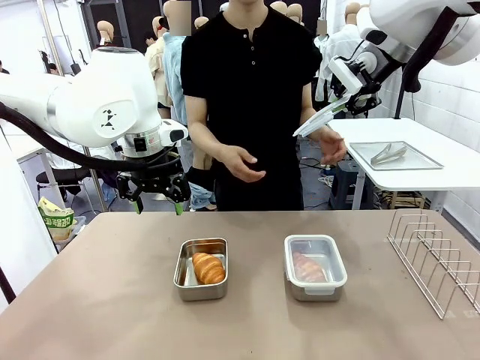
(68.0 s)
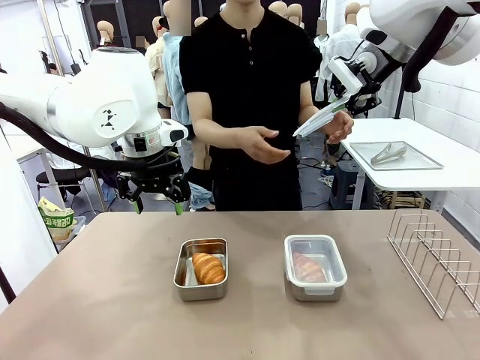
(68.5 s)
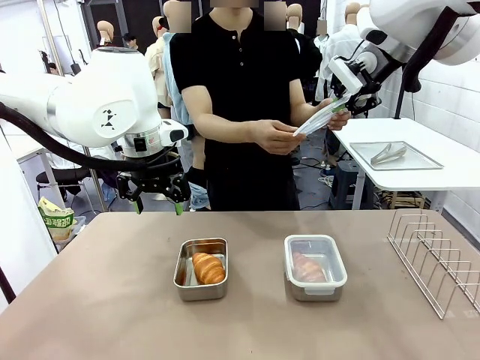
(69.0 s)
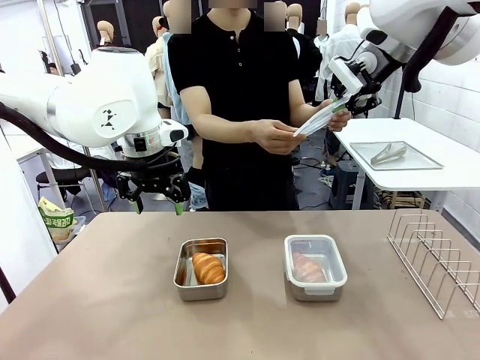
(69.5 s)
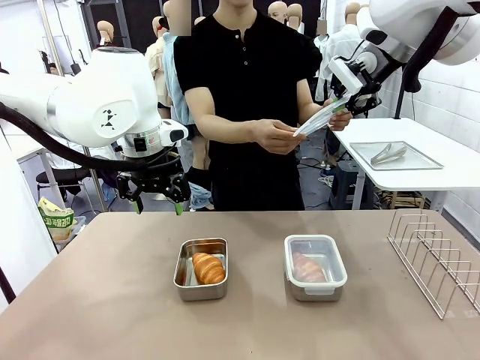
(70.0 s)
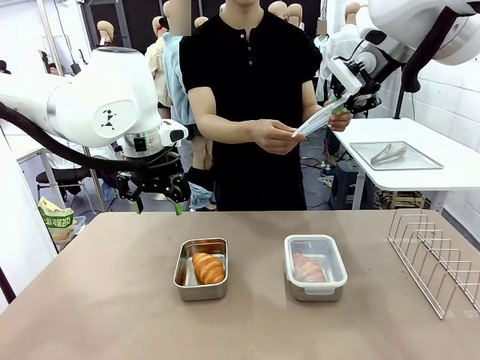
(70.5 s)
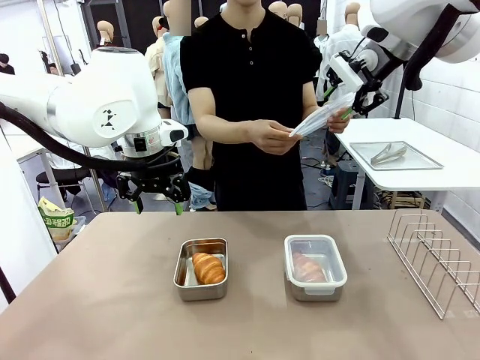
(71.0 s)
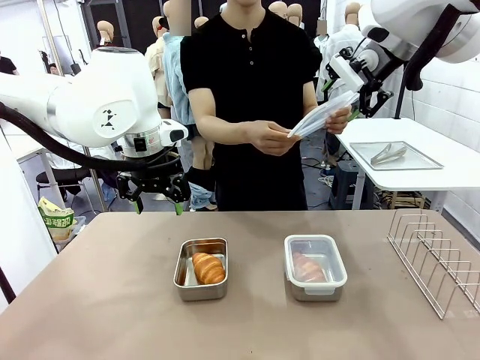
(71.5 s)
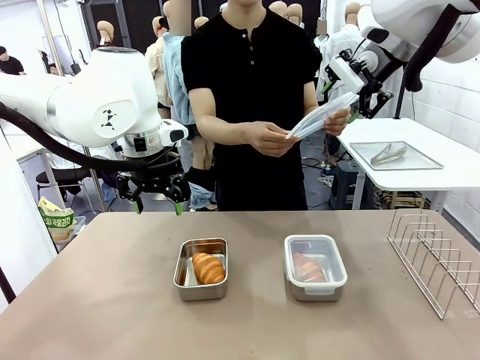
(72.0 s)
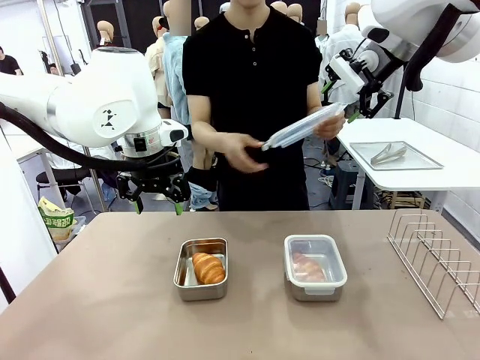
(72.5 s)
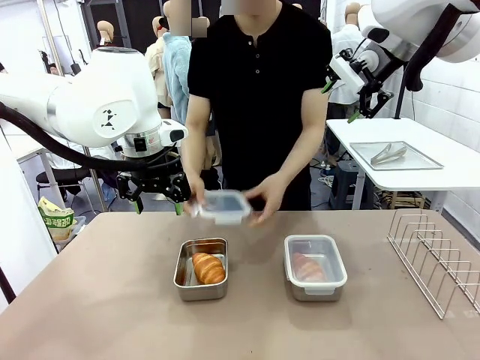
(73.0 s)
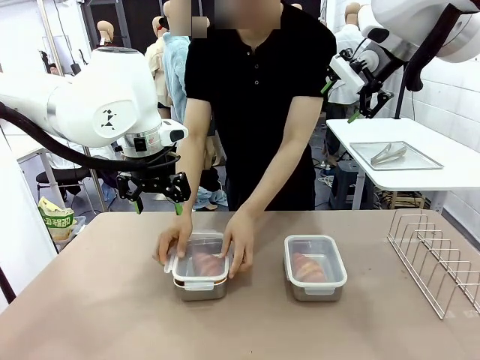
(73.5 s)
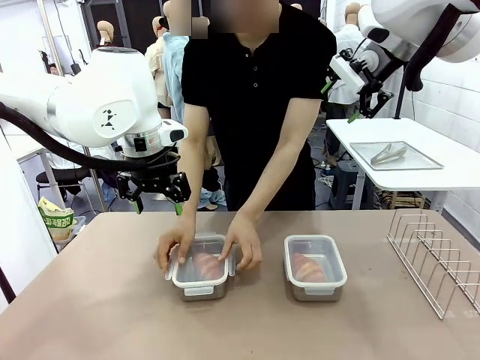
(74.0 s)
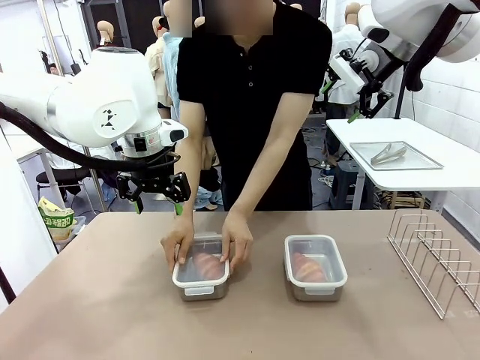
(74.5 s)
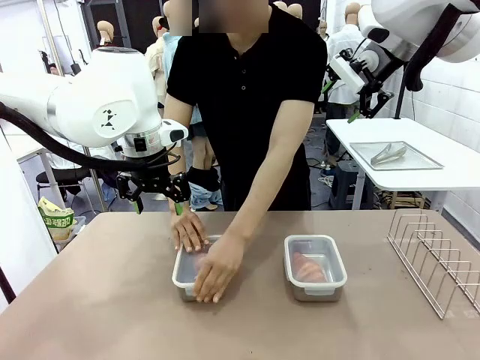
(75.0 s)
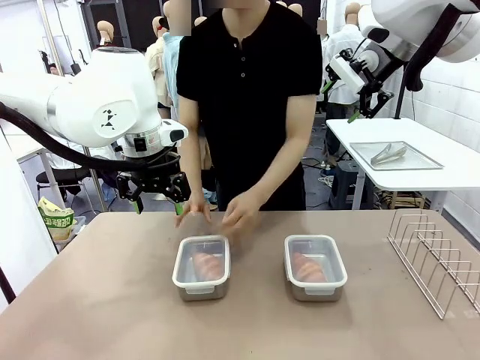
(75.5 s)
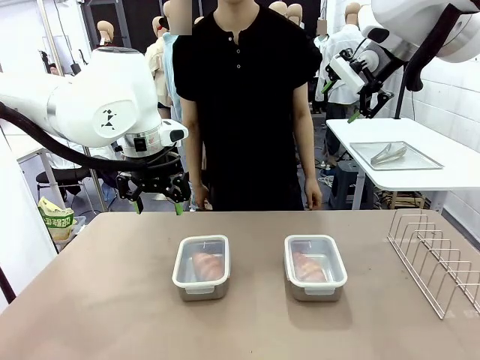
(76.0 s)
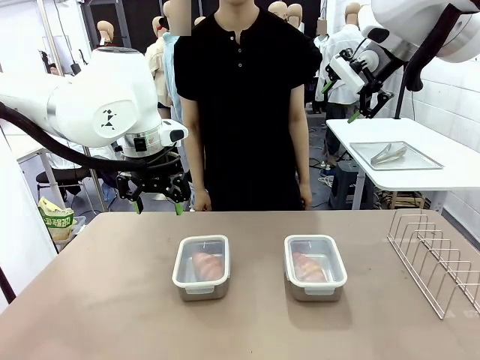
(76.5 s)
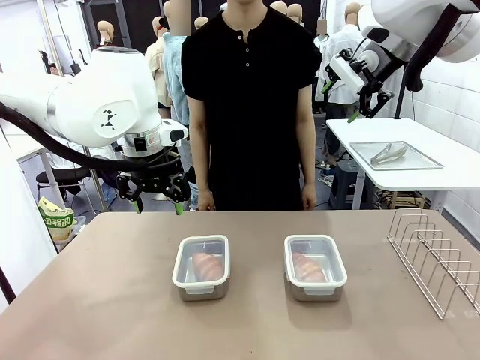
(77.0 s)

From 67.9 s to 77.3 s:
Task: Place the bread in airtight containers.
Robot: Release when the human grabs the Airtight Container lid.
Person: Close Airtight Container with a handed Airtight Container lid.

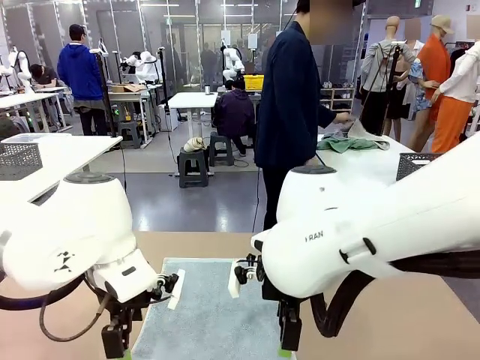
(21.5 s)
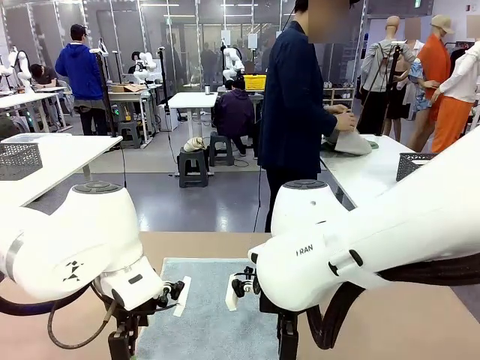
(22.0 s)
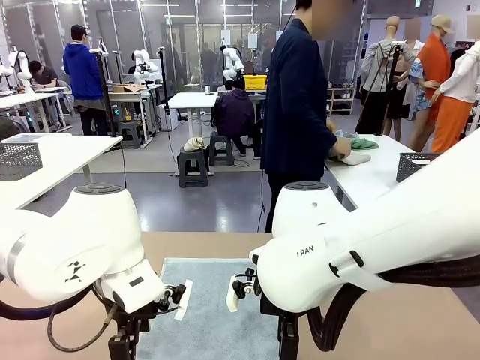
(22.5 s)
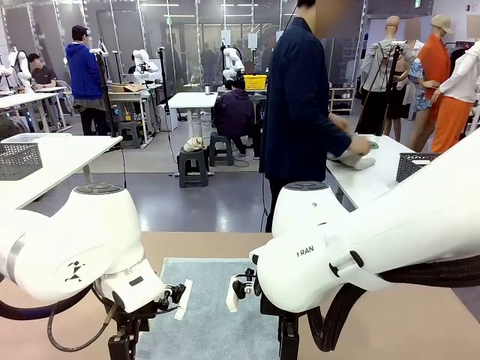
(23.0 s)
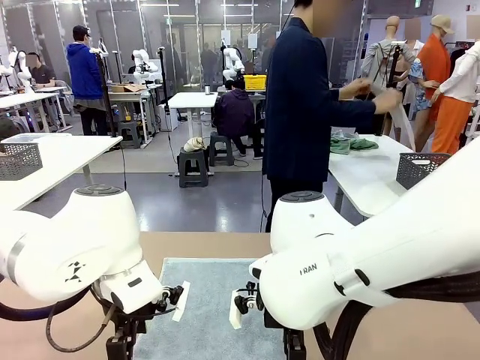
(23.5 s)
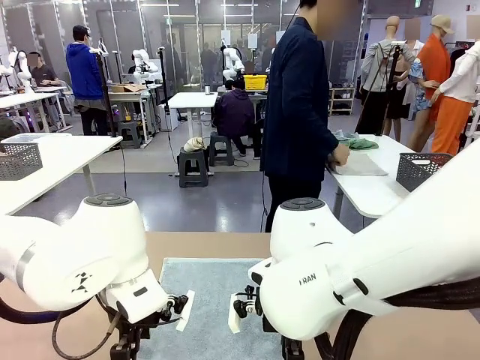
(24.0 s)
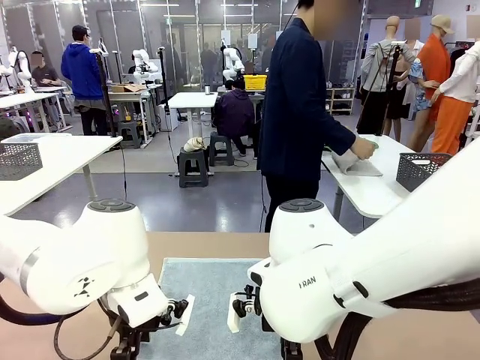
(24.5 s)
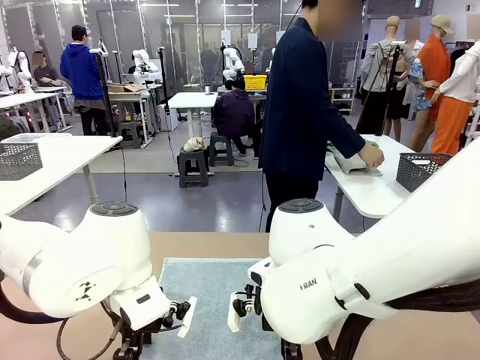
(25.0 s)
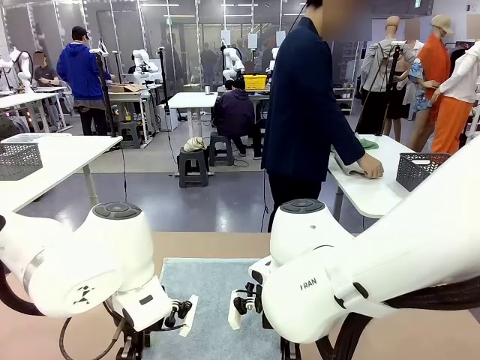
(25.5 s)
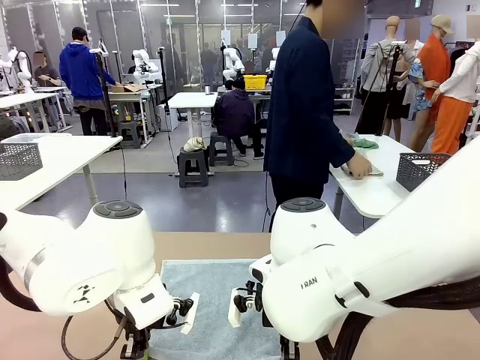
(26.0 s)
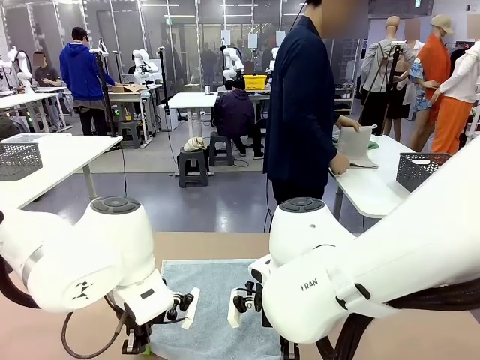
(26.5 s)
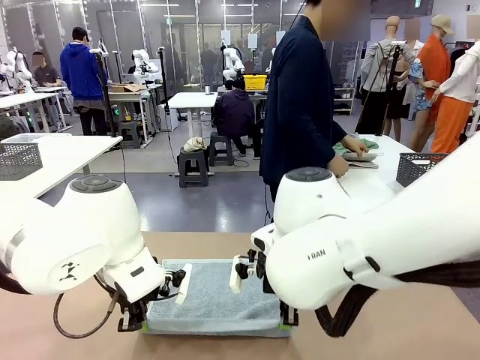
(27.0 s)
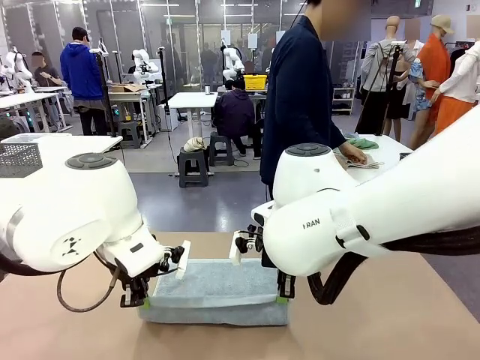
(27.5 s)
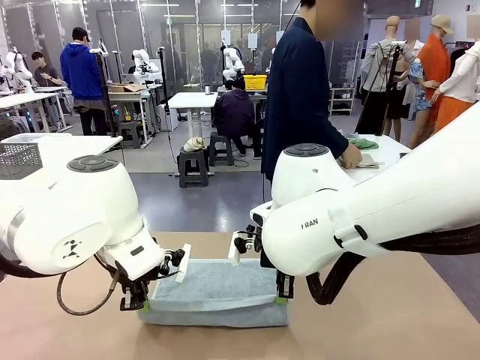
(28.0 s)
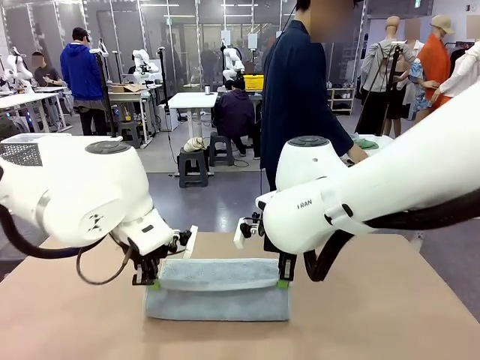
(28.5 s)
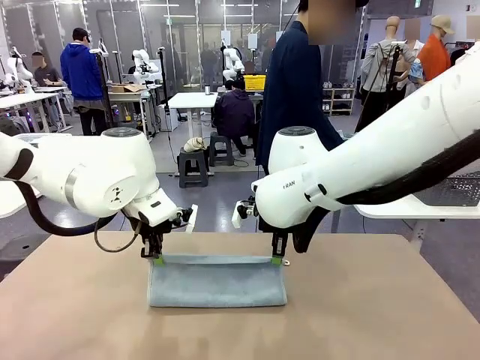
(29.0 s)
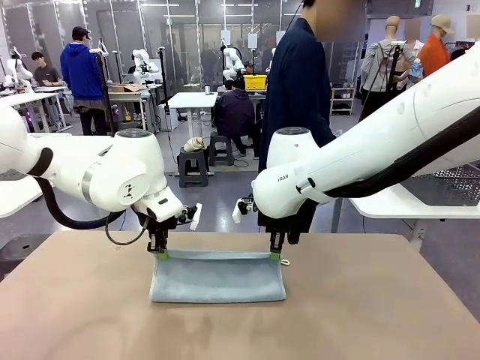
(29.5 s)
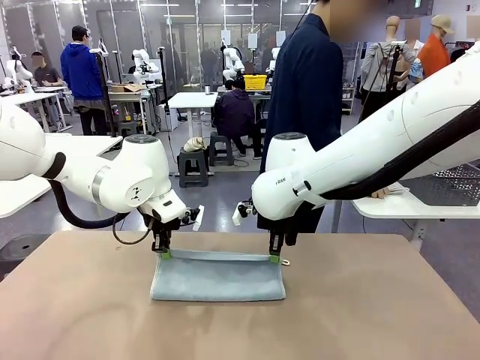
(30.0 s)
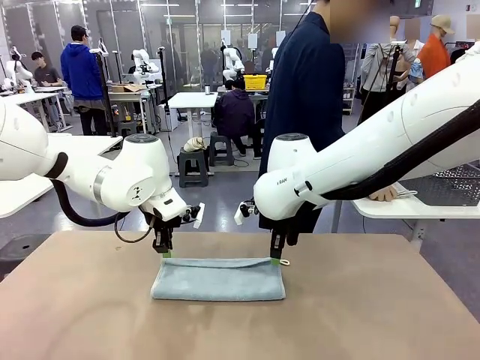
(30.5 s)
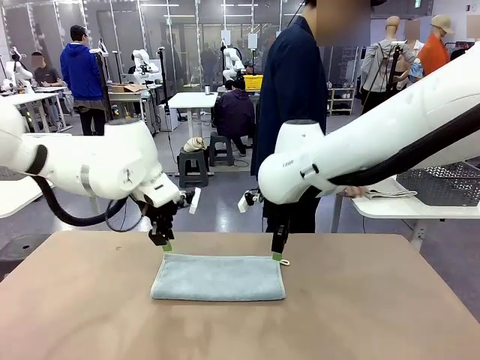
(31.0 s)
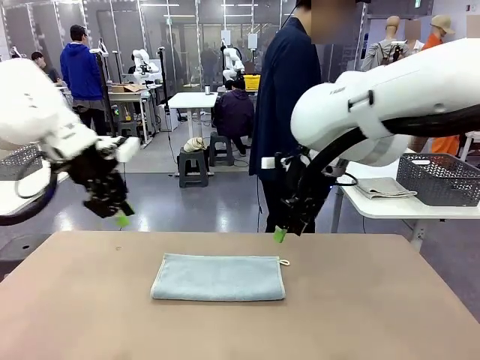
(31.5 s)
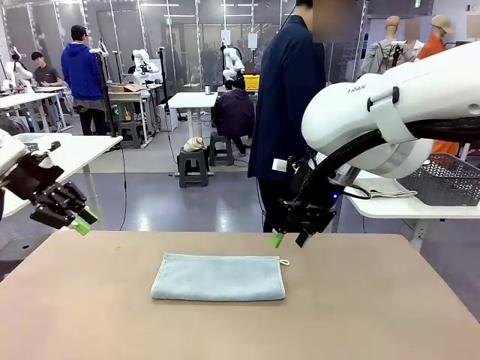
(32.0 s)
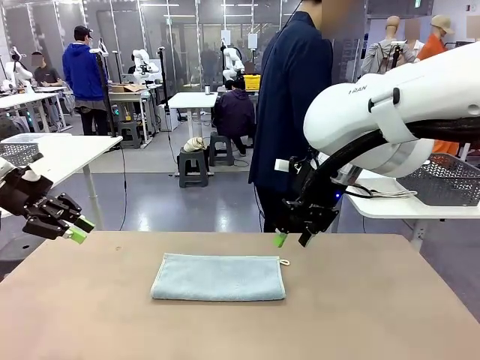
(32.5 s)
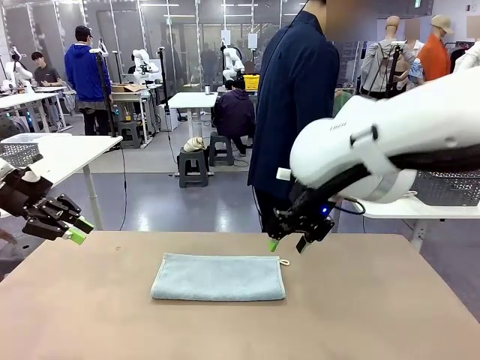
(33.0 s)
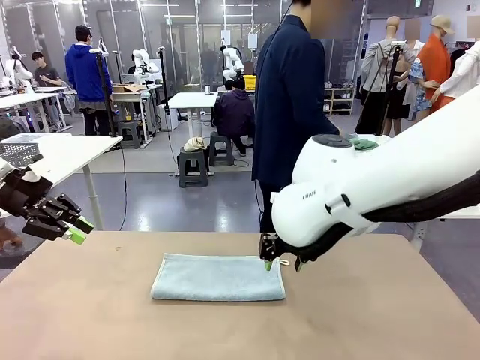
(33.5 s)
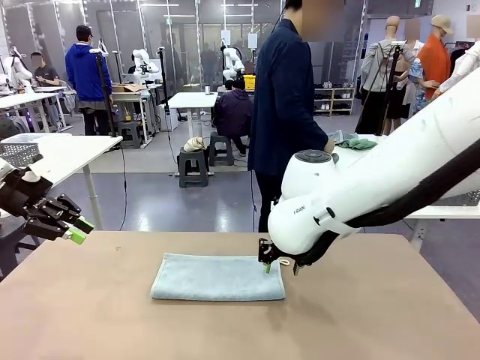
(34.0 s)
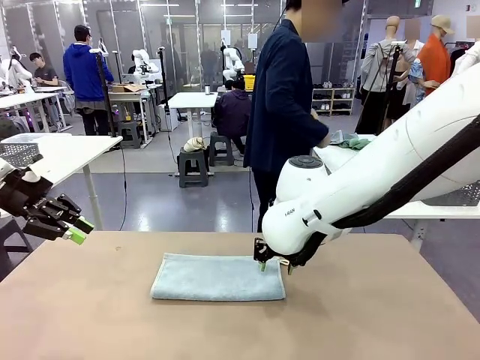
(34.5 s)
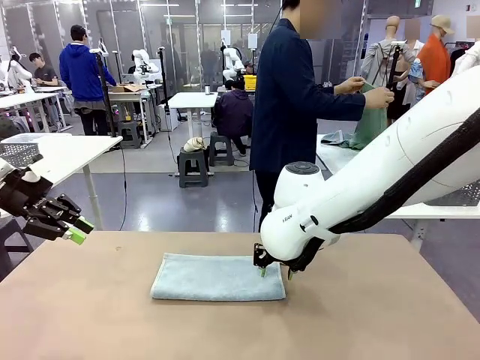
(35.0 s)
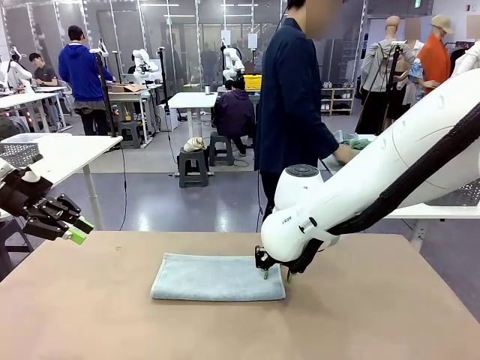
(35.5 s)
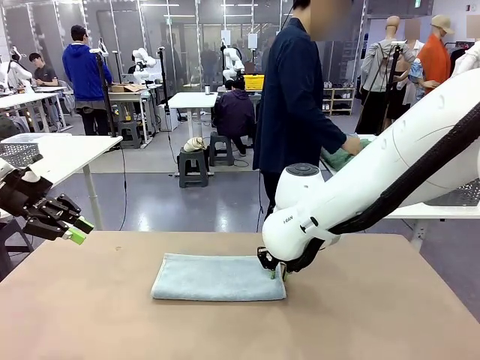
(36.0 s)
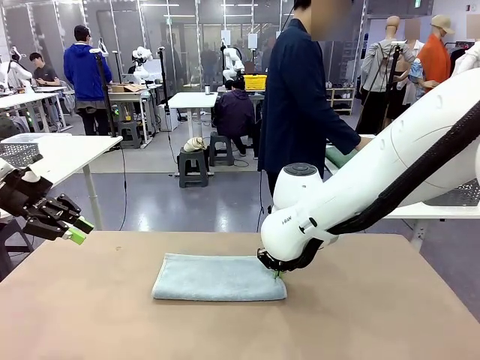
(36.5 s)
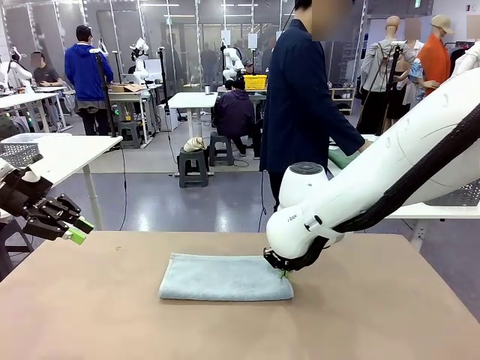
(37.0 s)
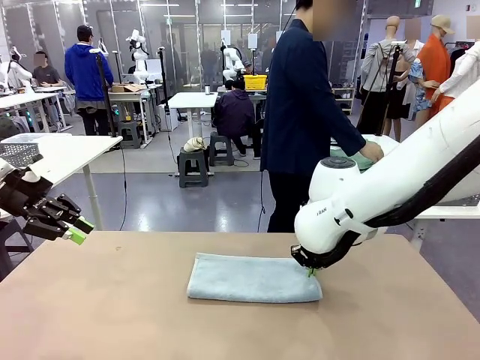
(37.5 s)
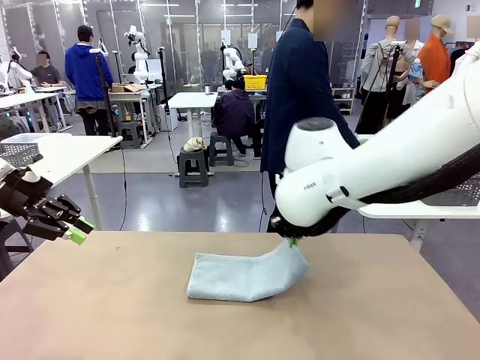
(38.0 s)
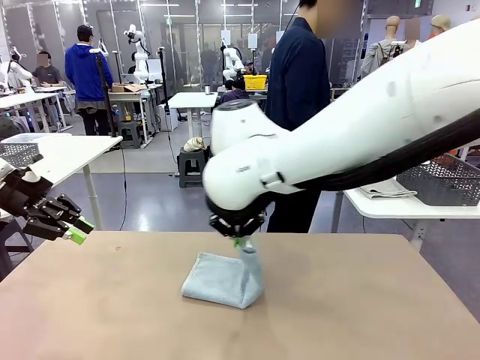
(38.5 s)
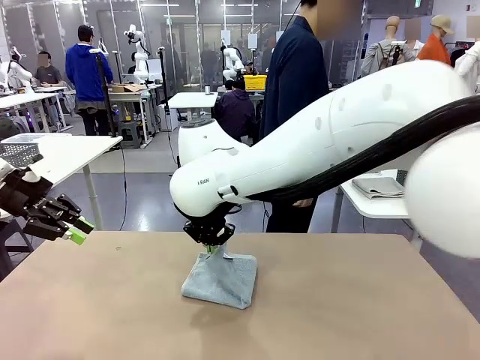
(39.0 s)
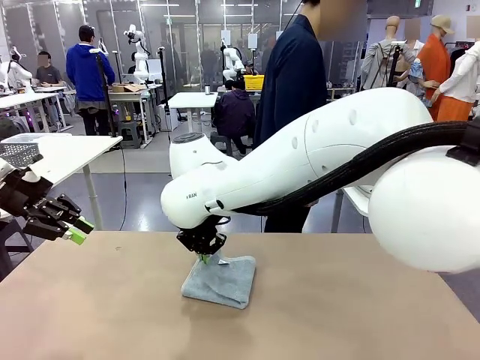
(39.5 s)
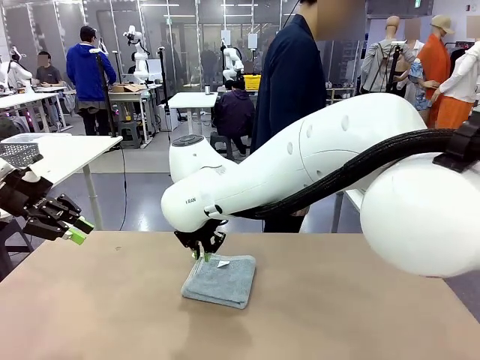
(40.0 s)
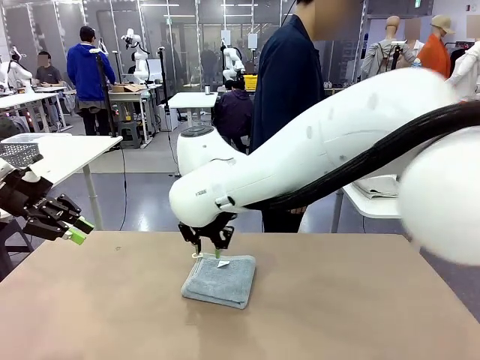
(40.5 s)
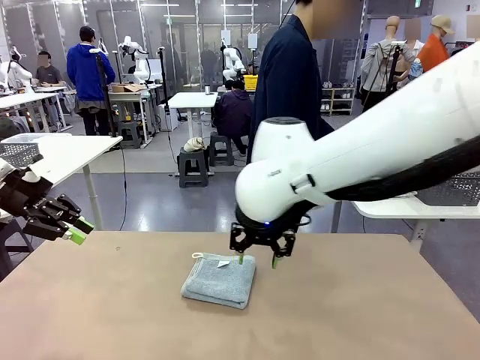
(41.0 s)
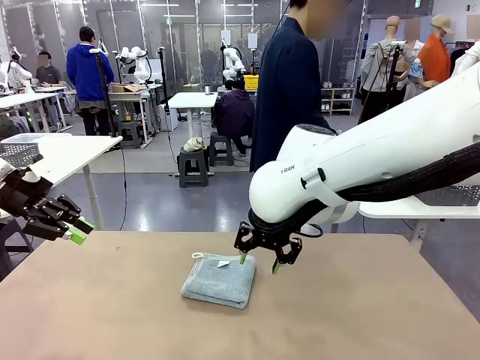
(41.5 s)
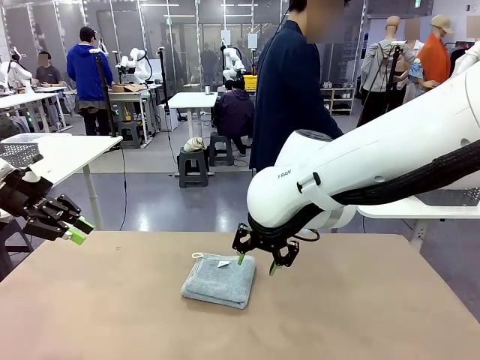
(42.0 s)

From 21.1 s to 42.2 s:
Task: Fold the towels and place them in the basket.
Robot: When a person lays out a Towel with hook on the table, fold it in half twice.
Person: Pick up one towel from the left side of the human table, fold it in half twice, and place it on the right side of the table. Pick up one towel from the left side of the human table, fold it in half twice, and stack it on the right side of the table.
